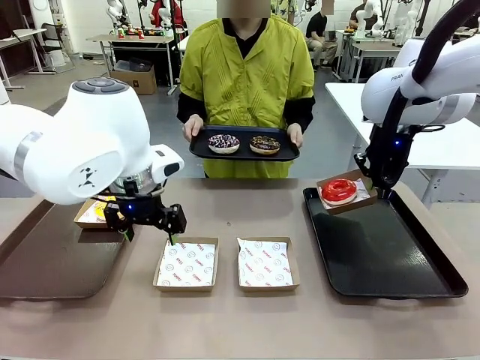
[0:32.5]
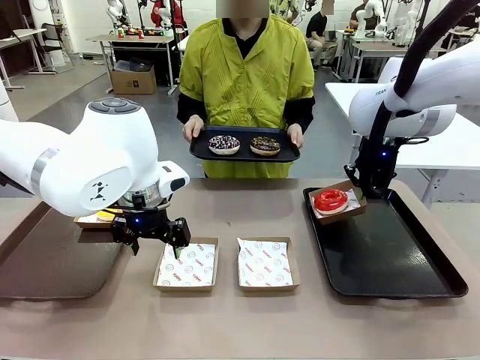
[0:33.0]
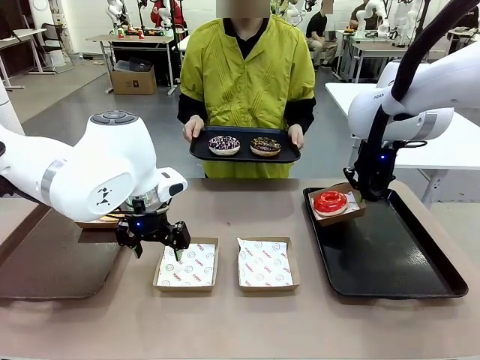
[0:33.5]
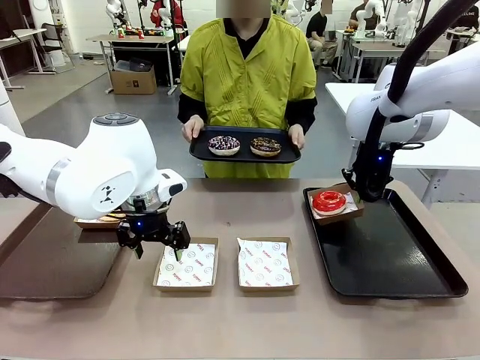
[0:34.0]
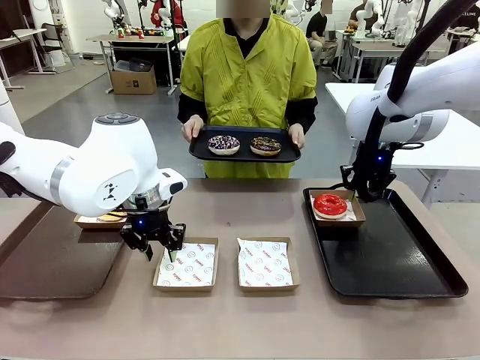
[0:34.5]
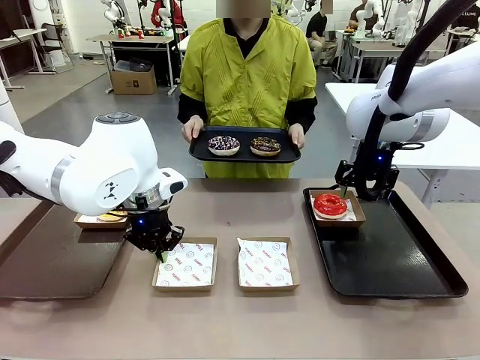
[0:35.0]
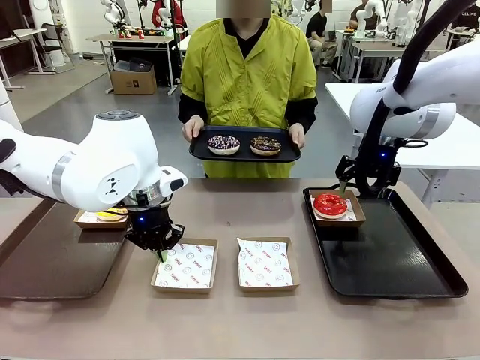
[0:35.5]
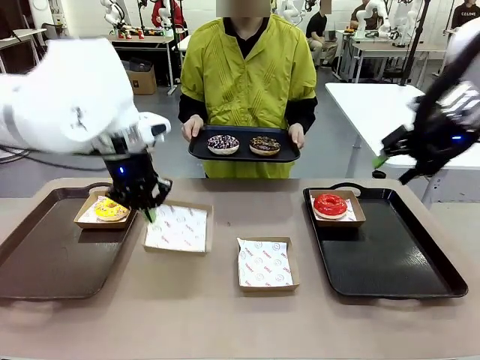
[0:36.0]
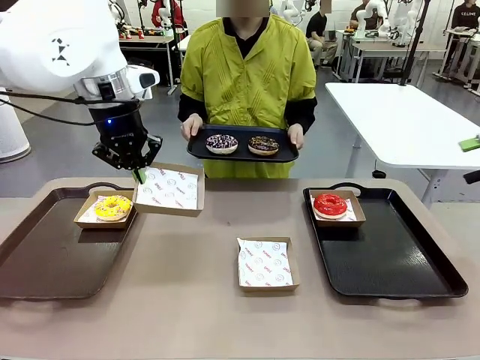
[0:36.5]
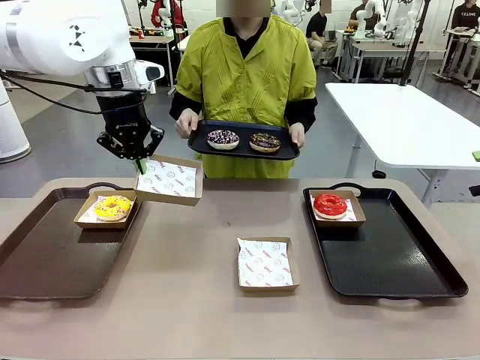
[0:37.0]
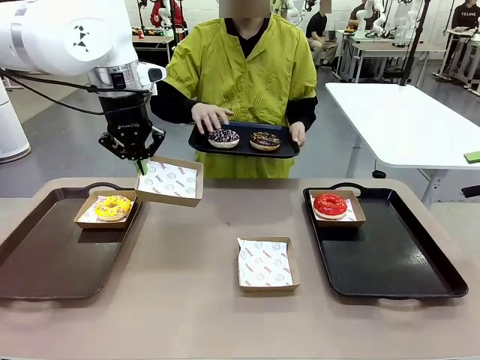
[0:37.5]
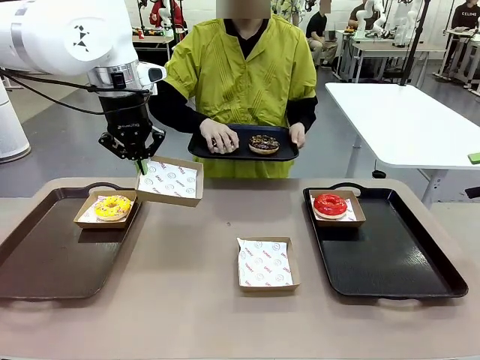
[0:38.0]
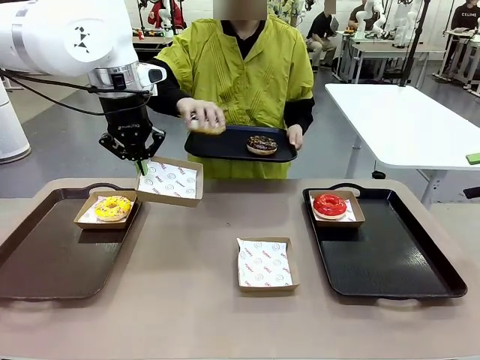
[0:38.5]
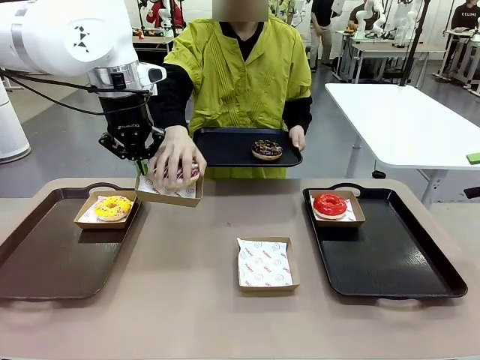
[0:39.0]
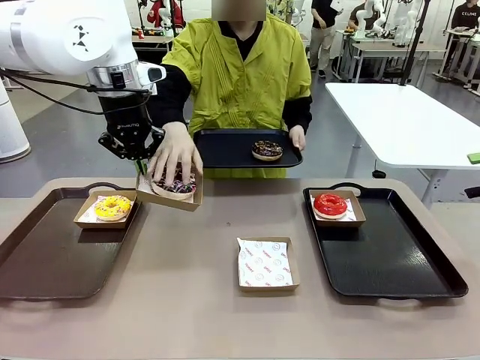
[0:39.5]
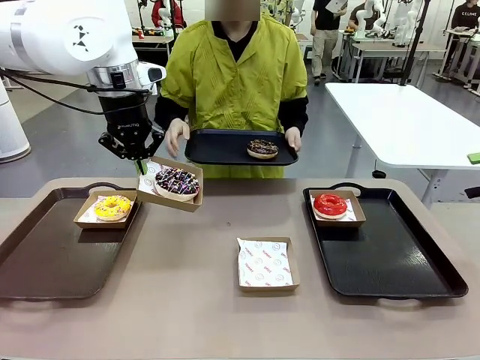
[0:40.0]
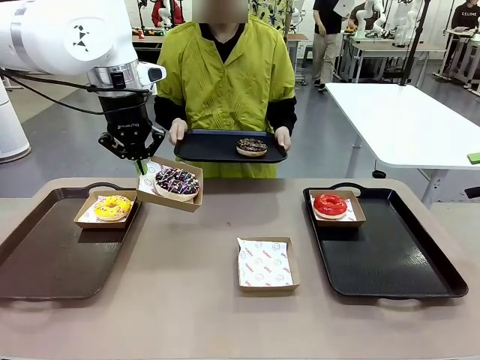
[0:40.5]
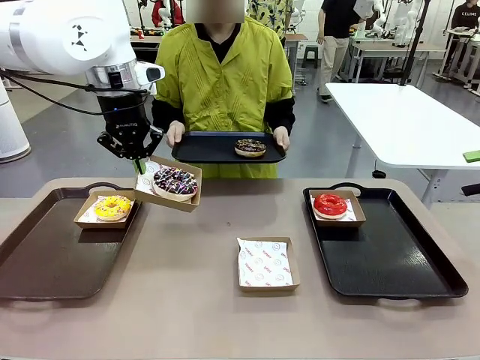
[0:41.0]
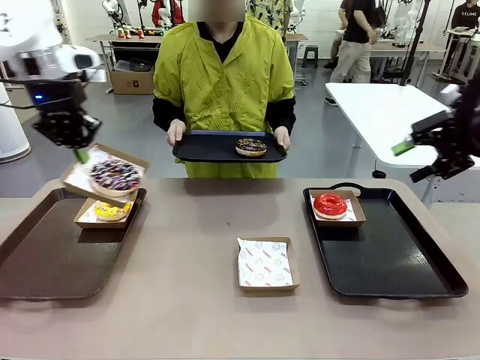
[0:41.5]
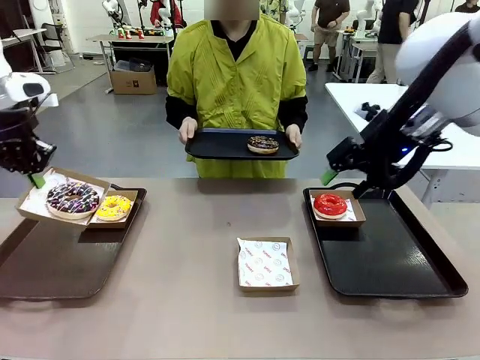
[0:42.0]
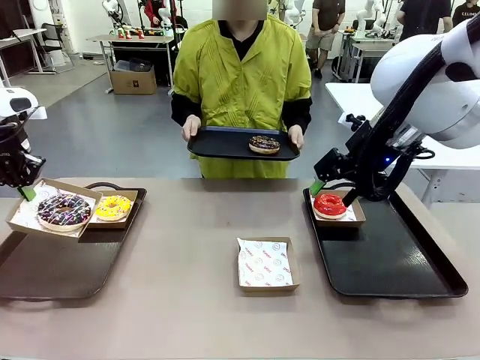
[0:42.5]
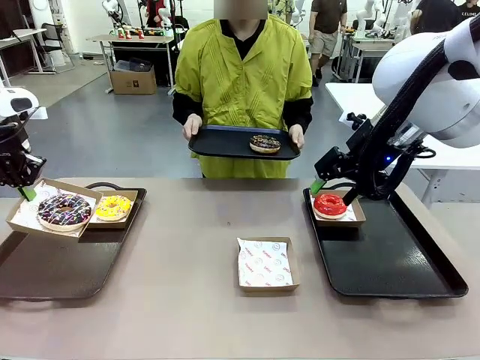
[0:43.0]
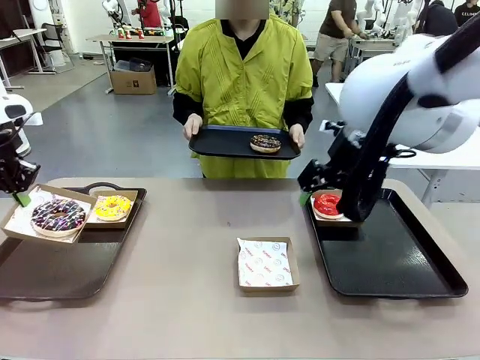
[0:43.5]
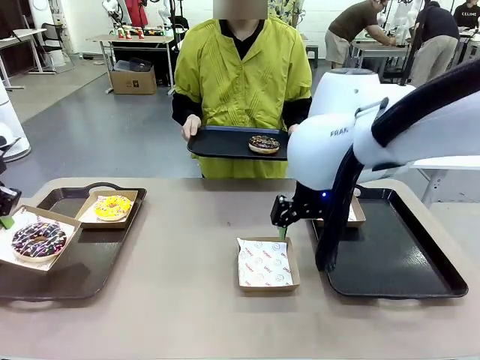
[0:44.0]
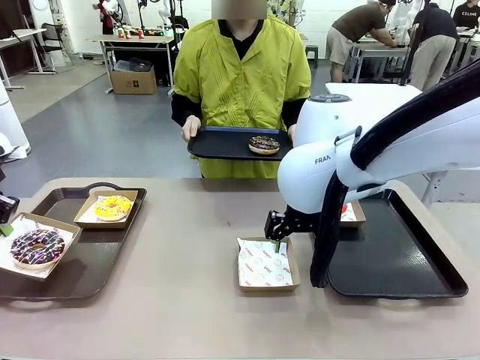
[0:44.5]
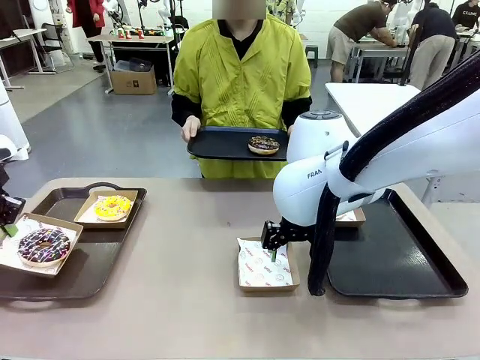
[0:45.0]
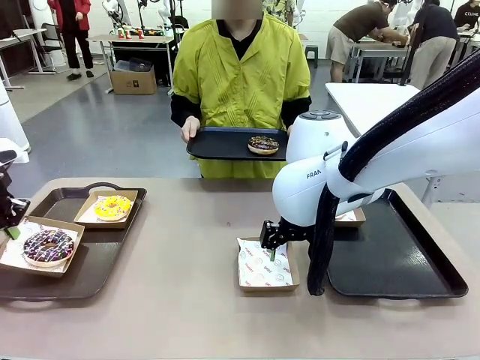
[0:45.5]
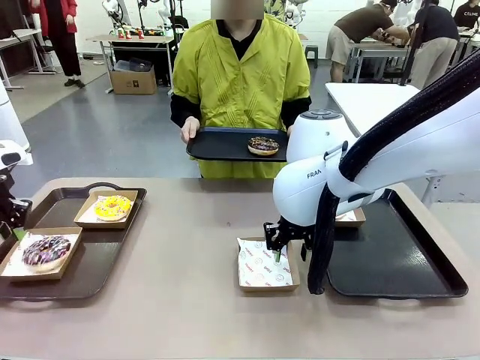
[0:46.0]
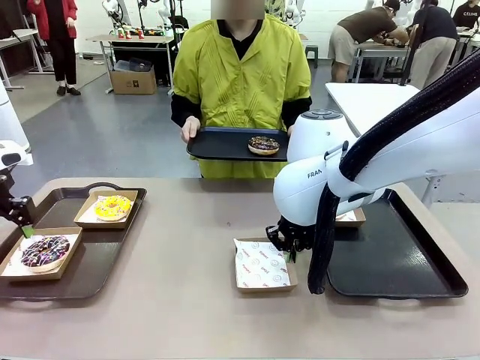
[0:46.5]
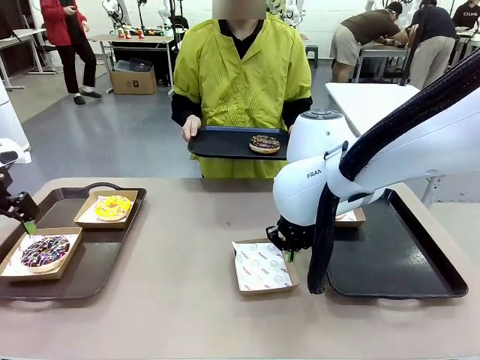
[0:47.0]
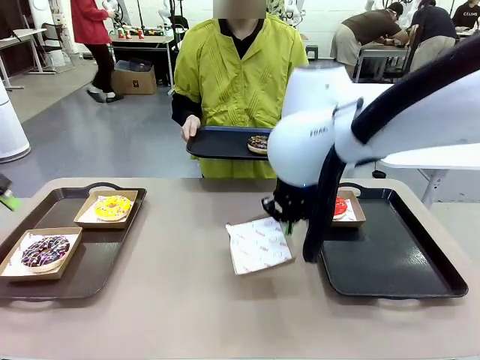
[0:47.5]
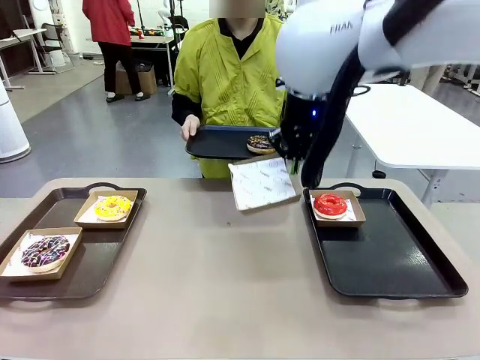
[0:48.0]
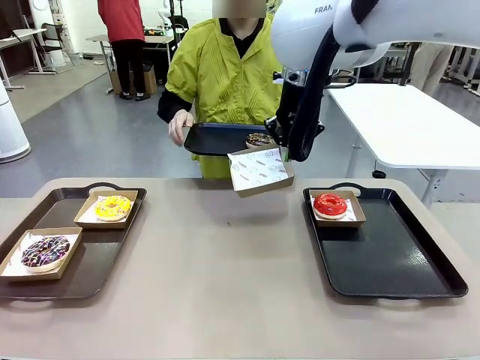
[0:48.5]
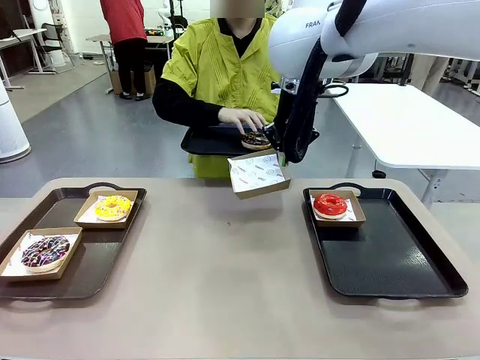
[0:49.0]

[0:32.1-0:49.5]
Task: Individually package the donuts and arrange them on the tray.
Robot: Place the picked Paper togo box on the Handle tray while simultaneously picking up another Paper togo box from the table with the other hand.

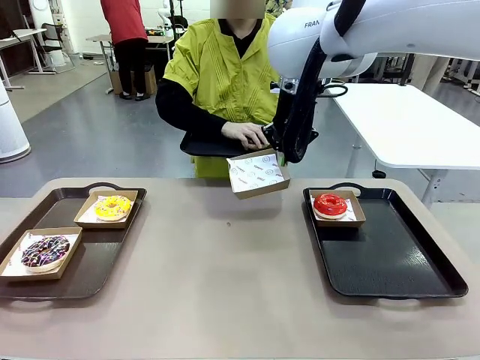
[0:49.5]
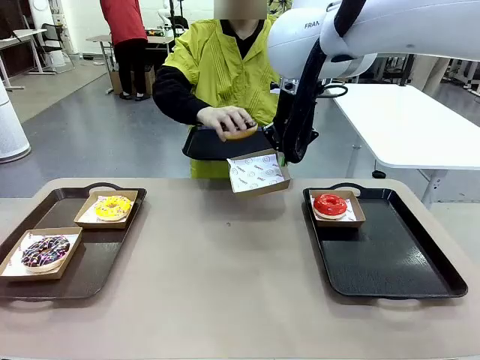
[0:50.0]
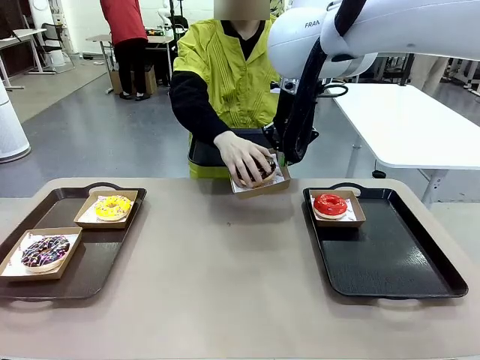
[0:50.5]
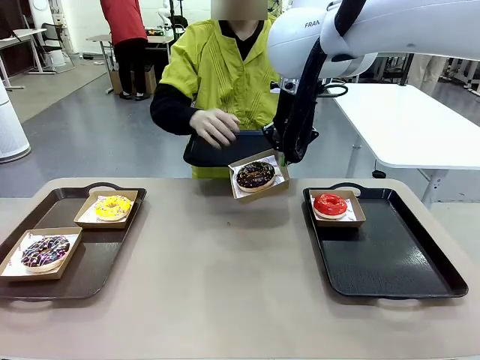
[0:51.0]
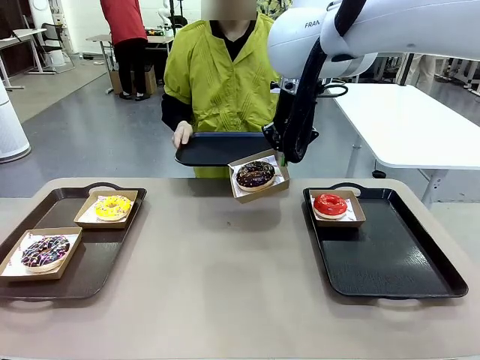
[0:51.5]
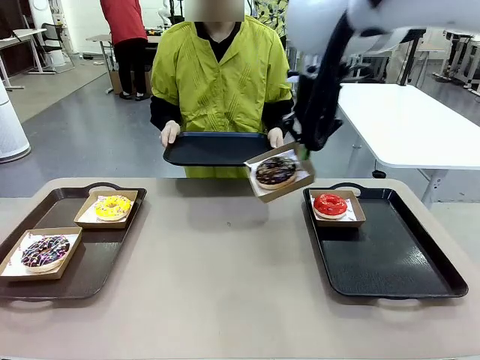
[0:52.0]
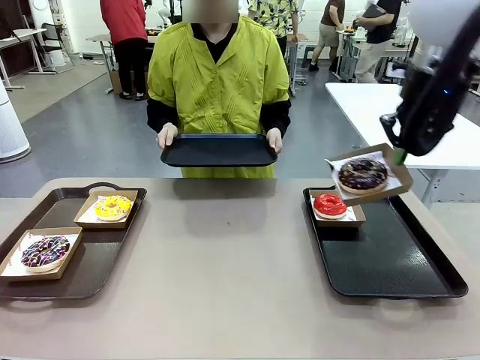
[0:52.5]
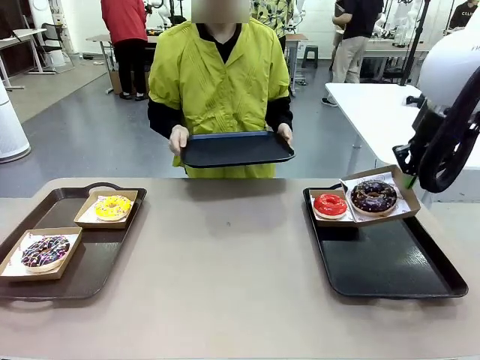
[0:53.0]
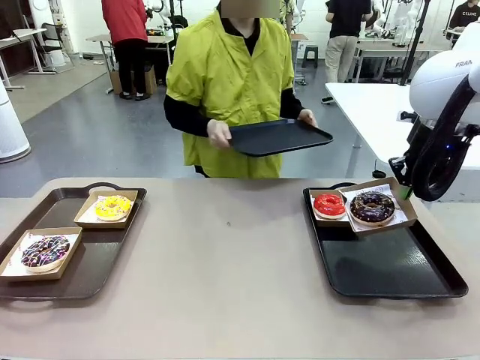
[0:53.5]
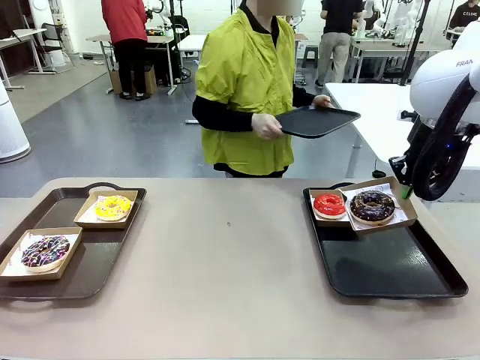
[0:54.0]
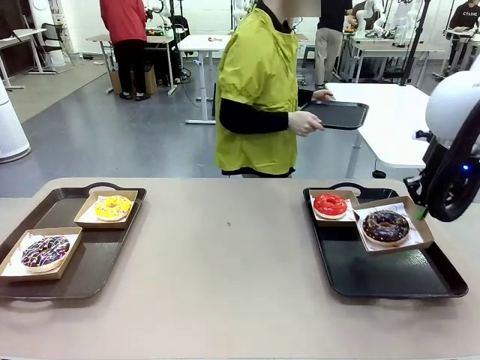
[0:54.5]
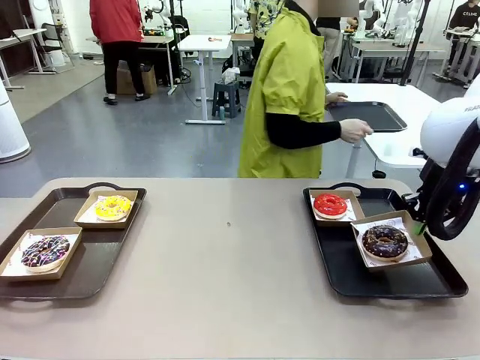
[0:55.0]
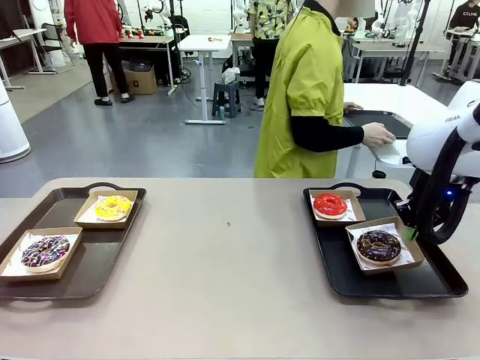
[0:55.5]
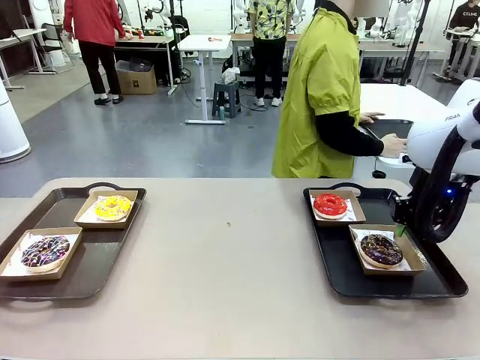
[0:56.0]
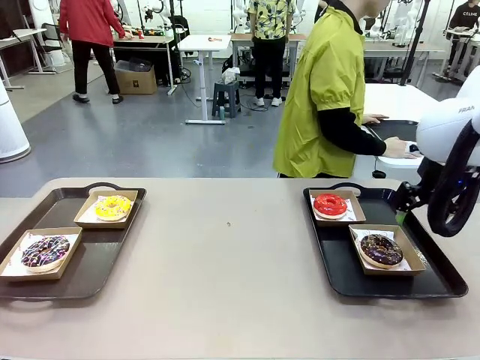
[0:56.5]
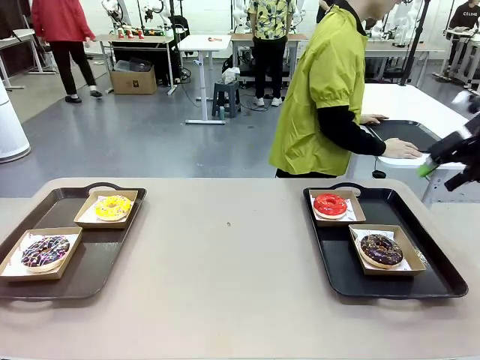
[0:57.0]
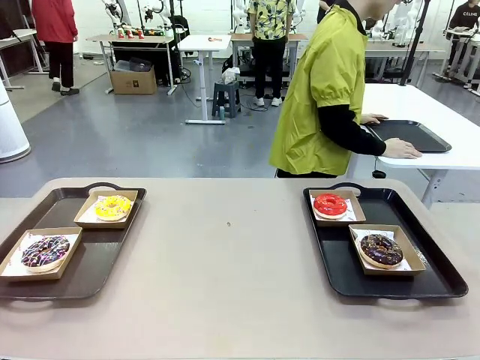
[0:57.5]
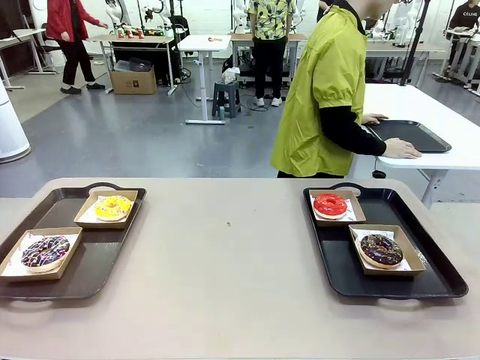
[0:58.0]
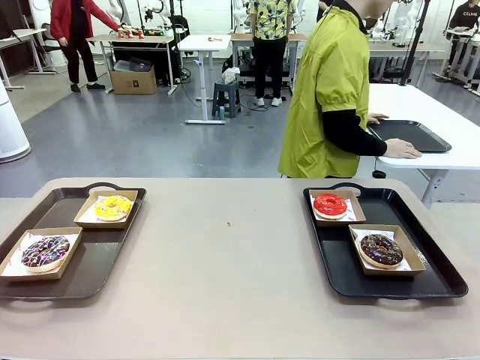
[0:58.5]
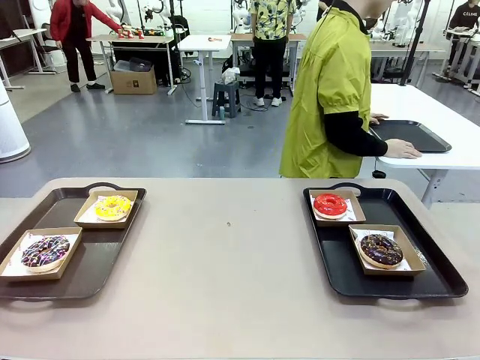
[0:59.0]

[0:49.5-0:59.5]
Robot: Place the picked Paper togo box on the Handle tray.
Person: Place the tray down in the middle of the human table.
